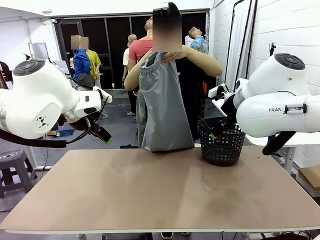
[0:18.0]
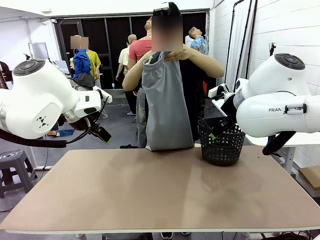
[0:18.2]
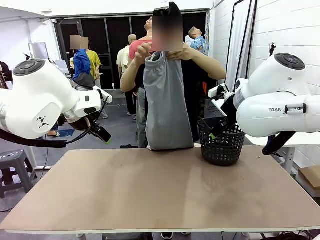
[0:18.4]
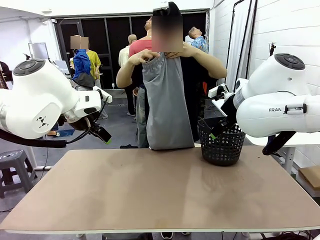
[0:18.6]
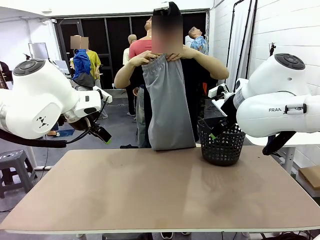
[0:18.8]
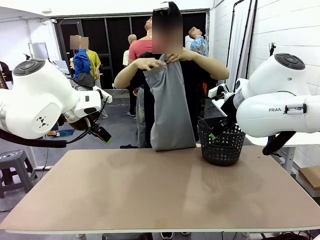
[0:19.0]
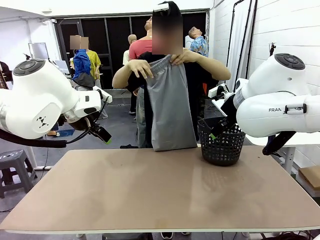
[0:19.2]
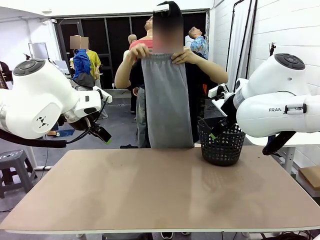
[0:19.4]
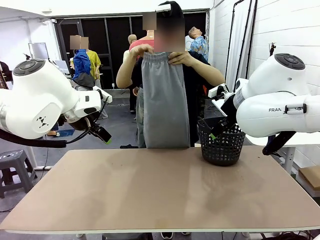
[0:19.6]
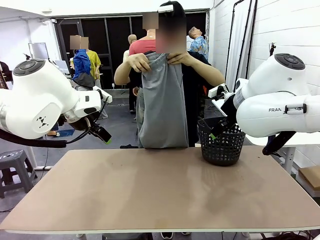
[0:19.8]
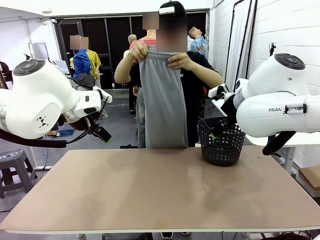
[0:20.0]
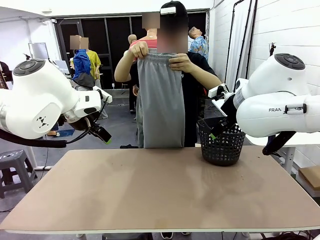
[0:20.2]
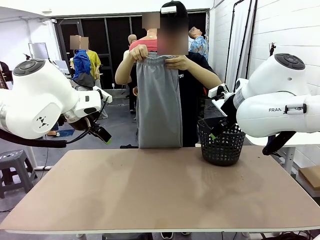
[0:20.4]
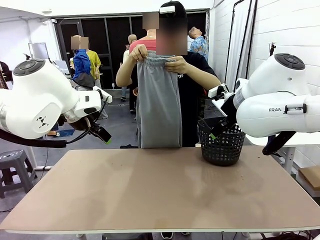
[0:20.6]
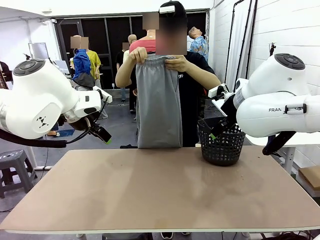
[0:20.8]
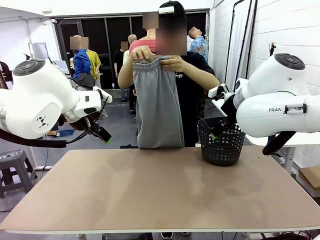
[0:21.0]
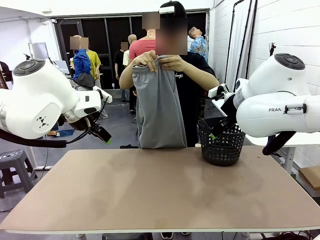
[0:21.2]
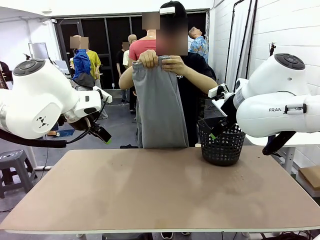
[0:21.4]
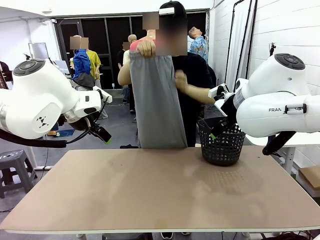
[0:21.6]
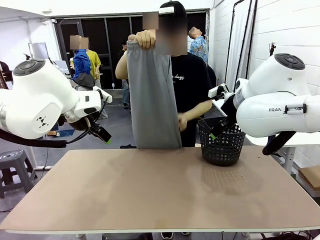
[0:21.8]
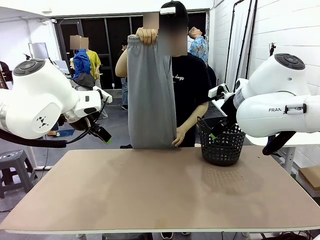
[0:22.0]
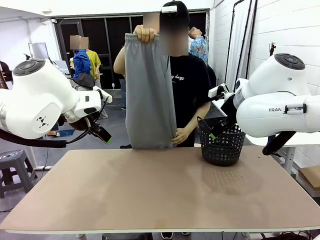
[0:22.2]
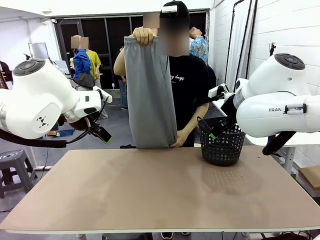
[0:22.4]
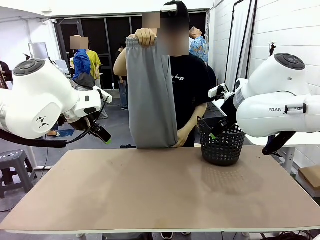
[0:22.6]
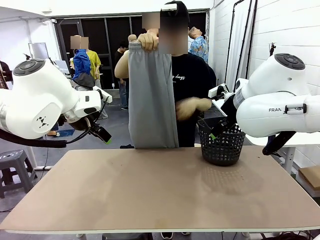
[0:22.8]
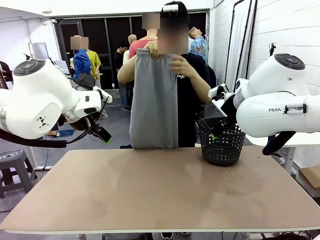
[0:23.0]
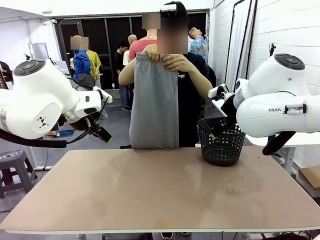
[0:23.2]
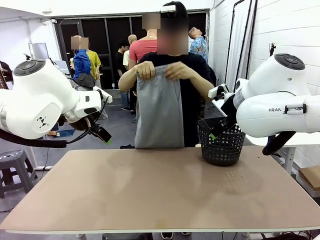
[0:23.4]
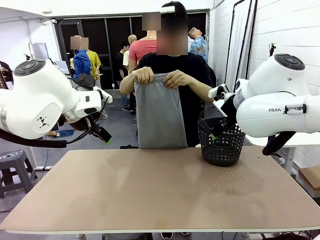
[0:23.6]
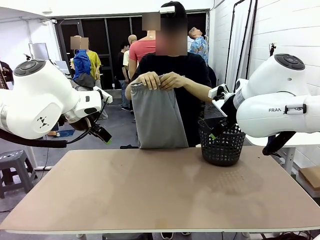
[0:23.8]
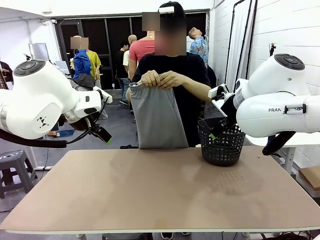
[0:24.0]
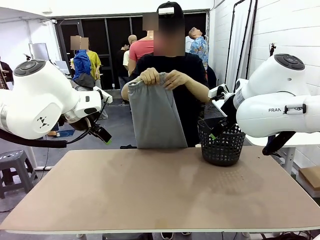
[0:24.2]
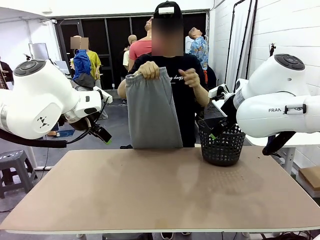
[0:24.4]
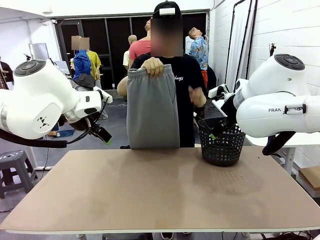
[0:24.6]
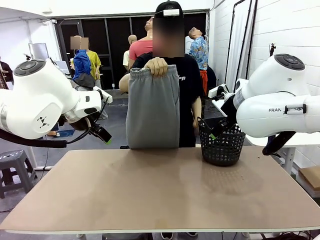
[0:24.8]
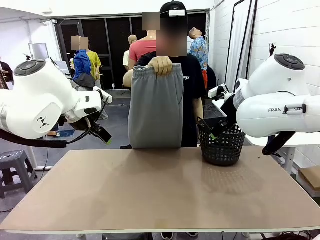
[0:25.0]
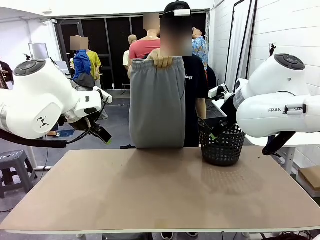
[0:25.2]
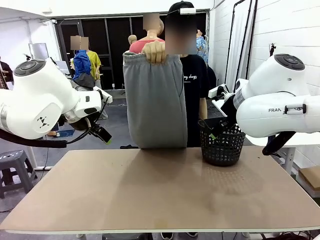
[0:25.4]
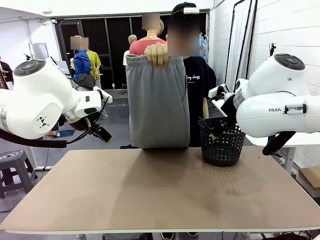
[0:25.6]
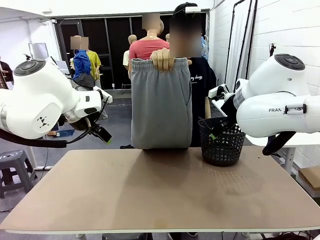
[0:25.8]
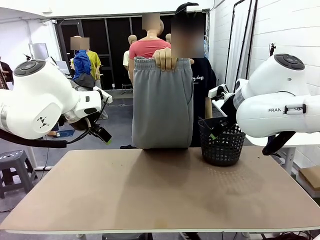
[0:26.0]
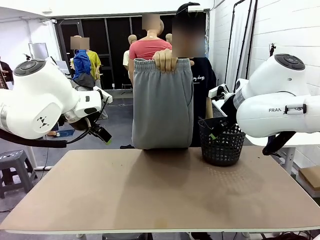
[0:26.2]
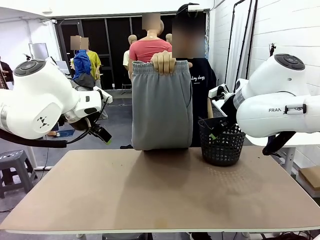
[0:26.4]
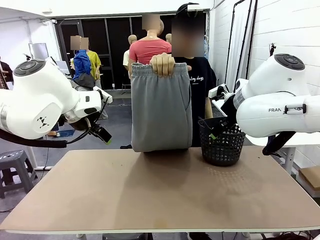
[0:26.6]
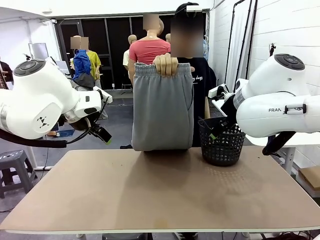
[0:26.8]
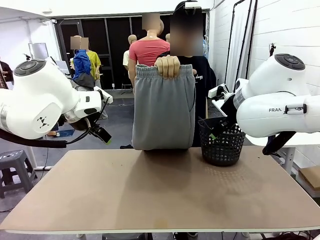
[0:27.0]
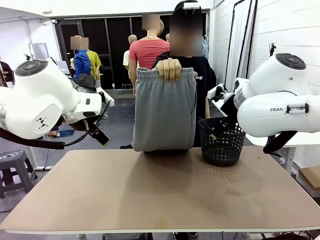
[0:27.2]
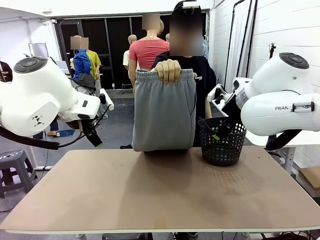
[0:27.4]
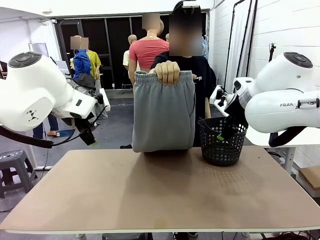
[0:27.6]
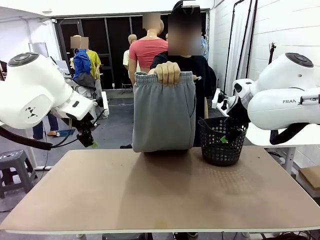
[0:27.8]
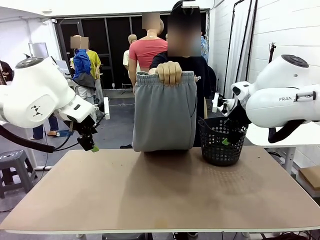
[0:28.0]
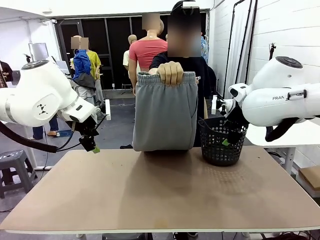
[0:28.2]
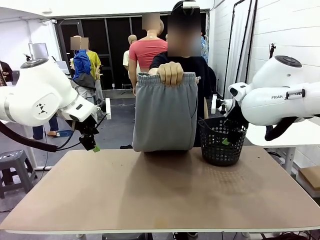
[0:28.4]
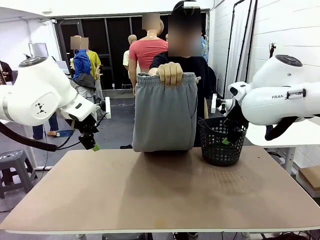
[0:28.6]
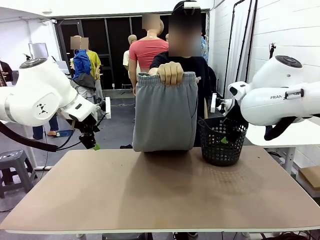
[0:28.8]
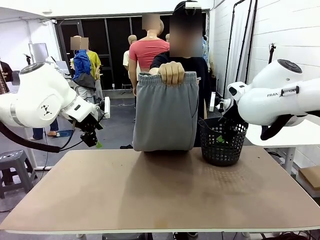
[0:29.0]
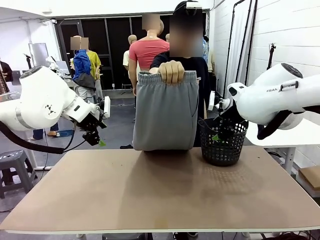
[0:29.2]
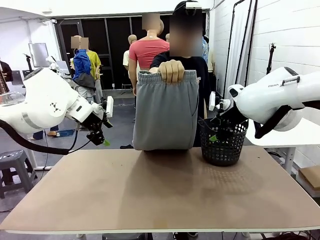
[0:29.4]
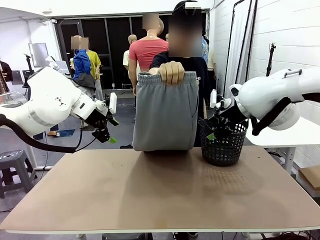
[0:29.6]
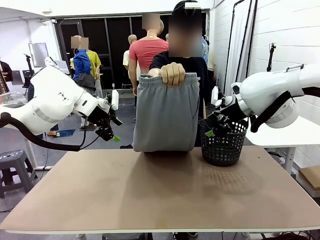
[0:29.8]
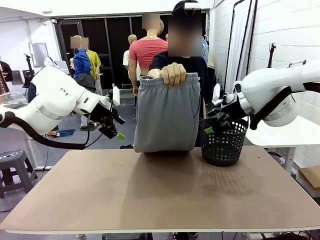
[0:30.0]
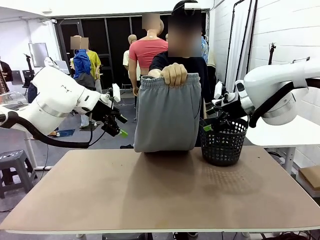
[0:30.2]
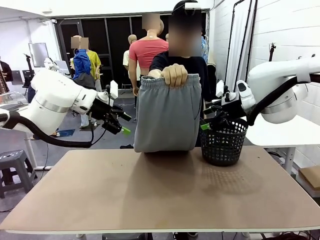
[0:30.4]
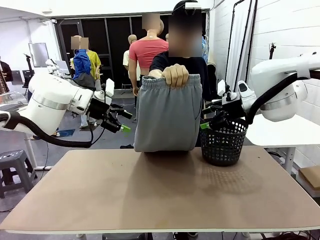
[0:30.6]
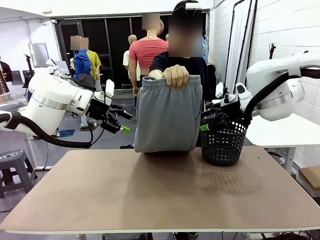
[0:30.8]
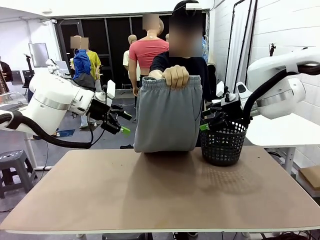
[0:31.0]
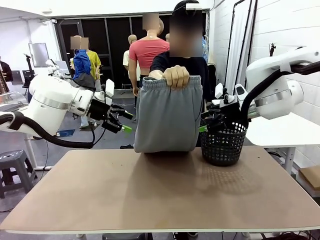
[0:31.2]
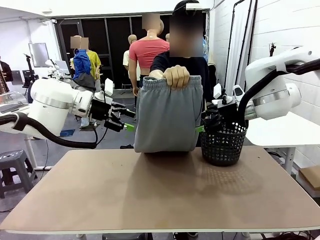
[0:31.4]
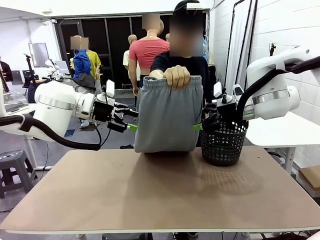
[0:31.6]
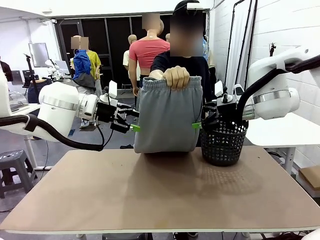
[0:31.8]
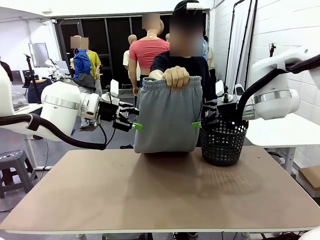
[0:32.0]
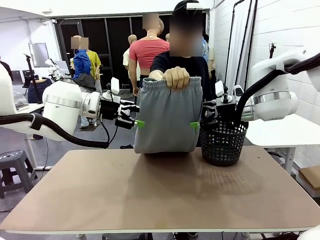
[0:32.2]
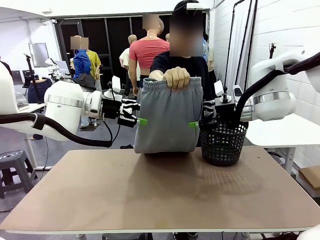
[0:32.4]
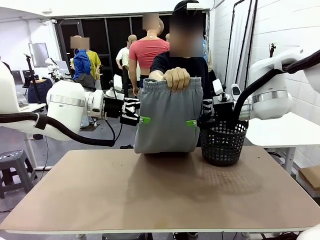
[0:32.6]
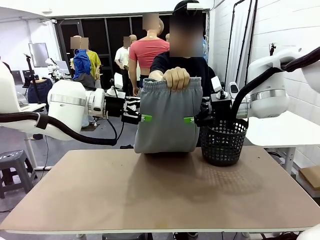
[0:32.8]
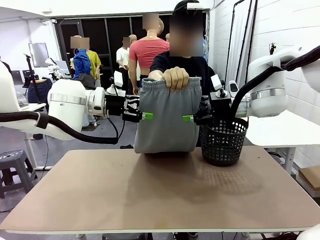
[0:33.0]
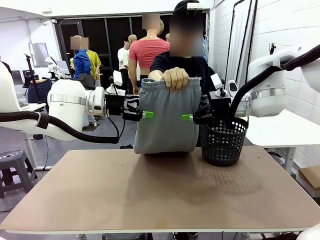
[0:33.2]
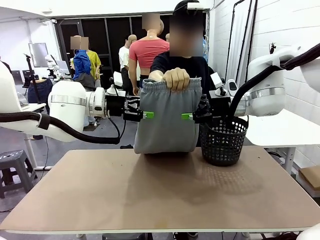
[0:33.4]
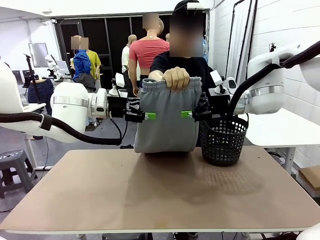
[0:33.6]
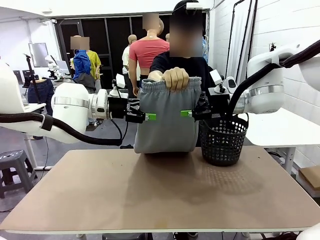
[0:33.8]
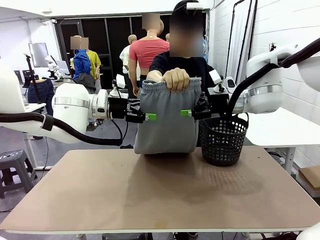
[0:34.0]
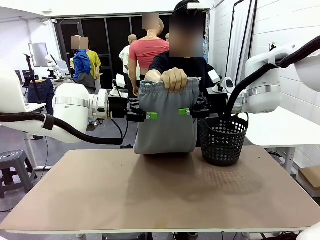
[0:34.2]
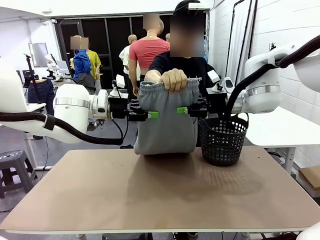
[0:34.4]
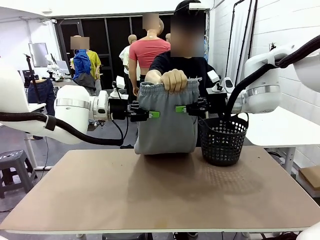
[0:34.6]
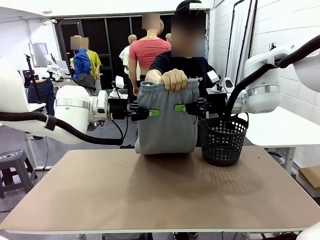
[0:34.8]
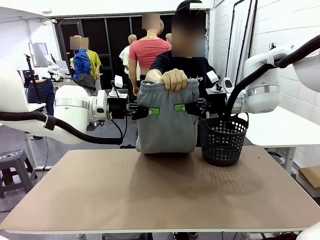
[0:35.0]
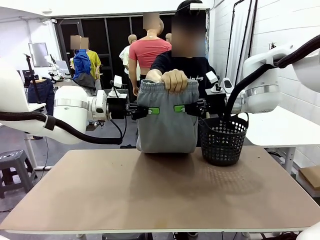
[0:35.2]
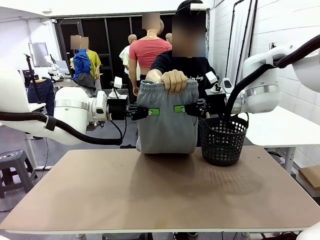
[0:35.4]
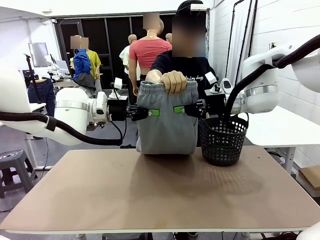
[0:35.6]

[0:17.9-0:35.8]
Task: Fold the training pants.
Robot: Grab both ends of the Training pants handed by a person.
